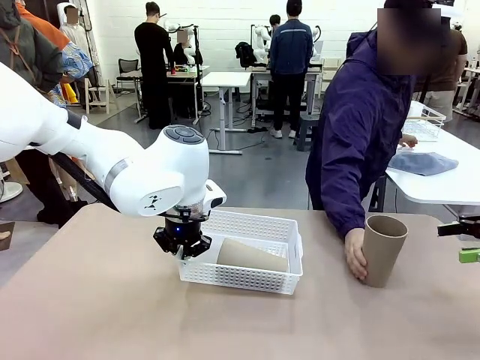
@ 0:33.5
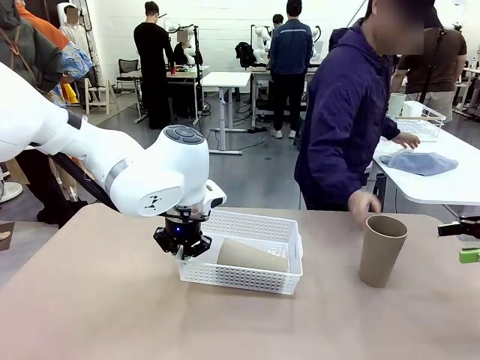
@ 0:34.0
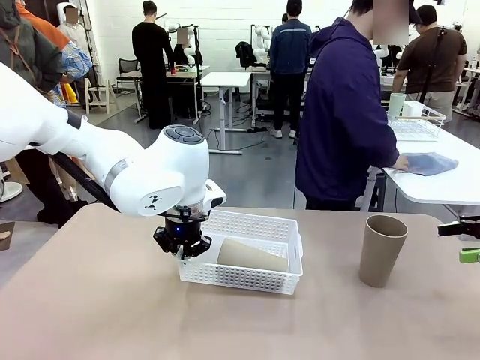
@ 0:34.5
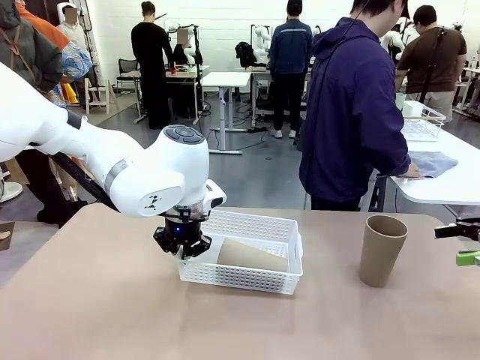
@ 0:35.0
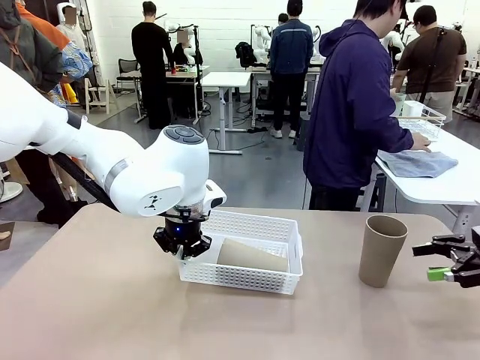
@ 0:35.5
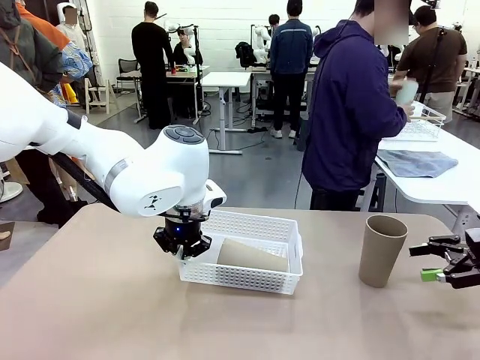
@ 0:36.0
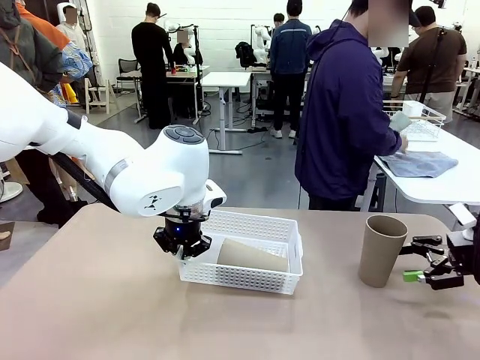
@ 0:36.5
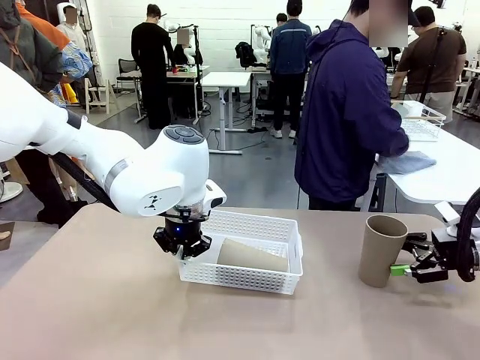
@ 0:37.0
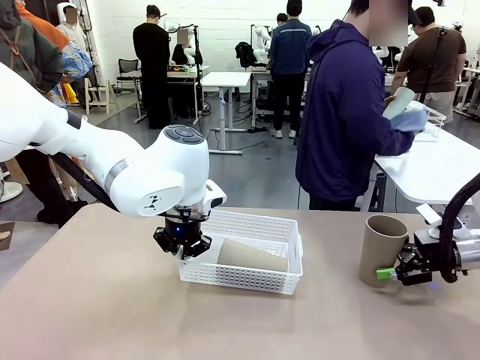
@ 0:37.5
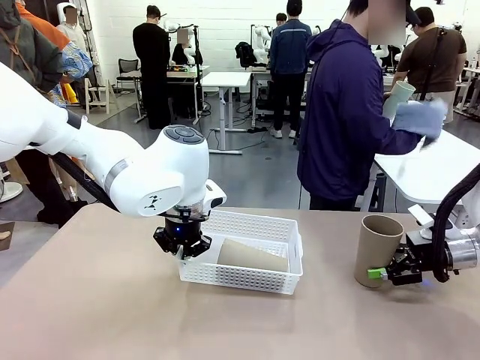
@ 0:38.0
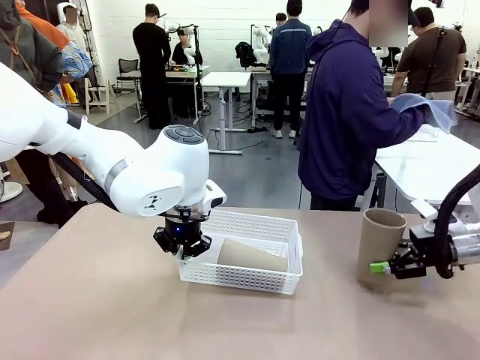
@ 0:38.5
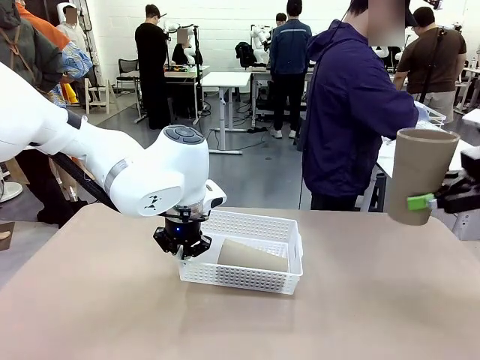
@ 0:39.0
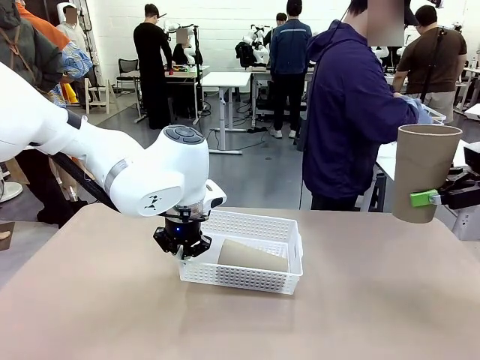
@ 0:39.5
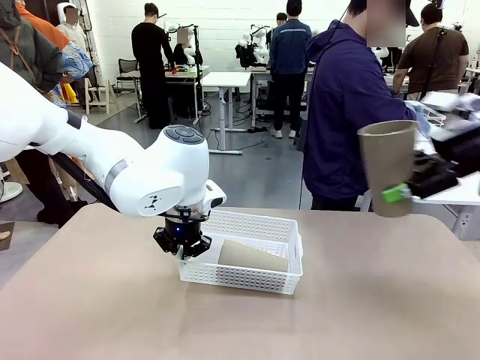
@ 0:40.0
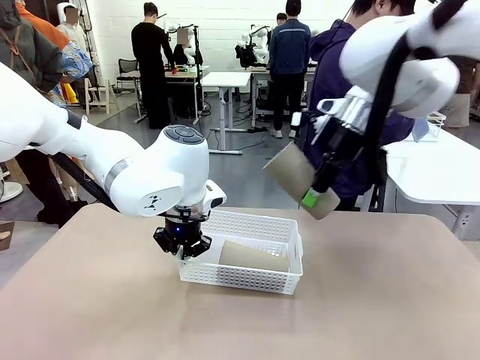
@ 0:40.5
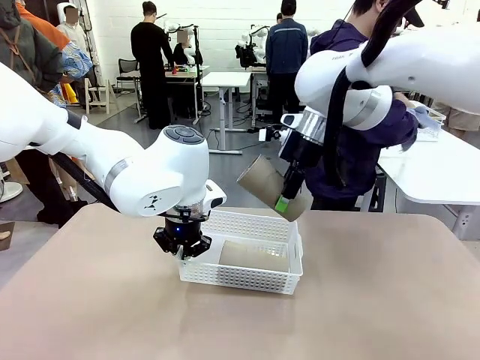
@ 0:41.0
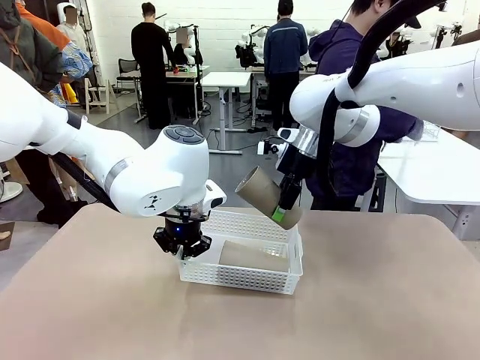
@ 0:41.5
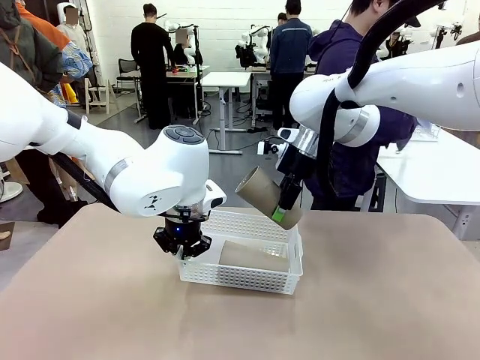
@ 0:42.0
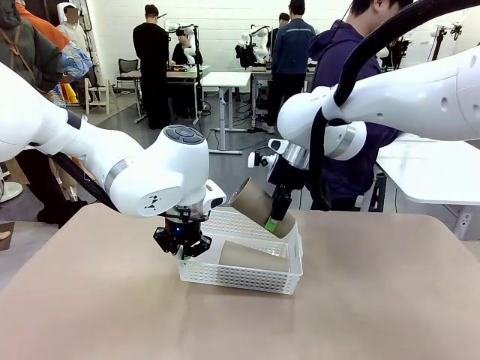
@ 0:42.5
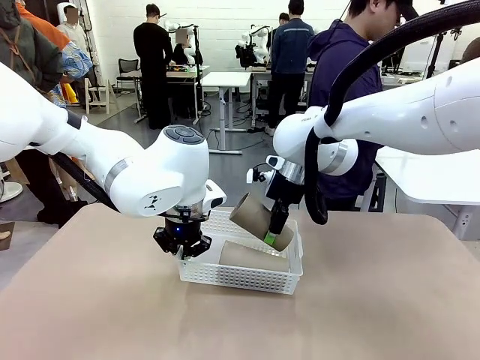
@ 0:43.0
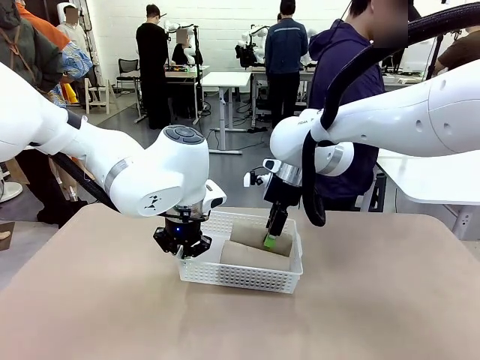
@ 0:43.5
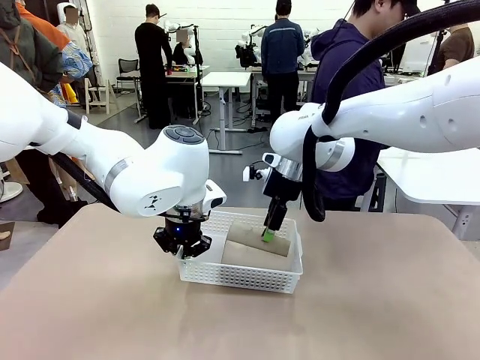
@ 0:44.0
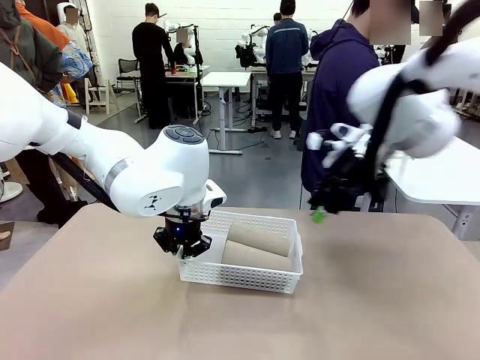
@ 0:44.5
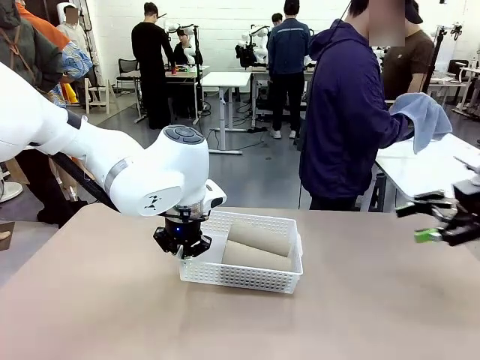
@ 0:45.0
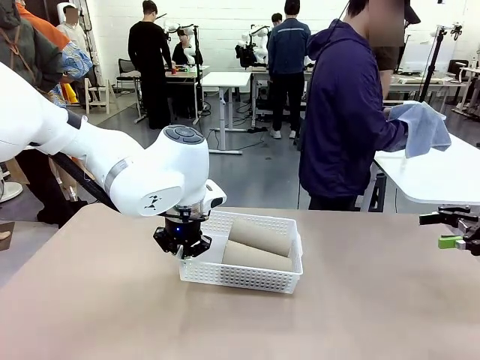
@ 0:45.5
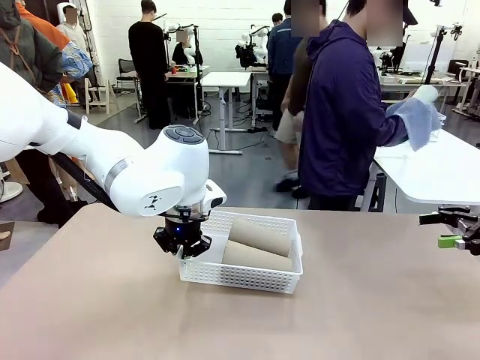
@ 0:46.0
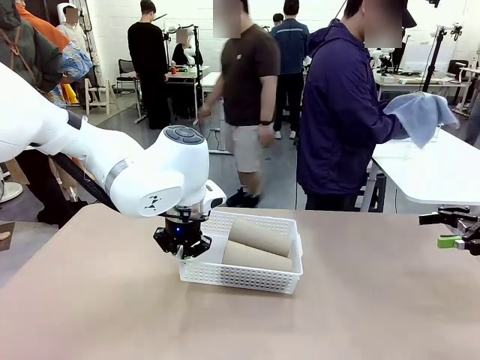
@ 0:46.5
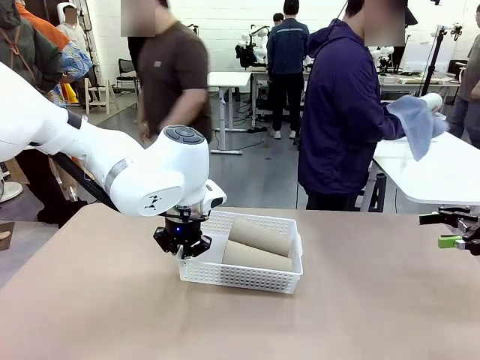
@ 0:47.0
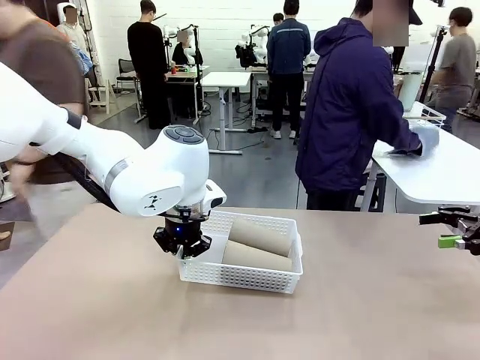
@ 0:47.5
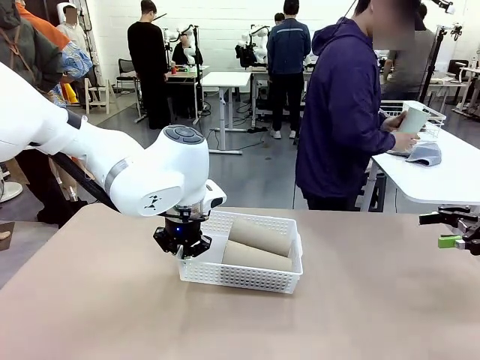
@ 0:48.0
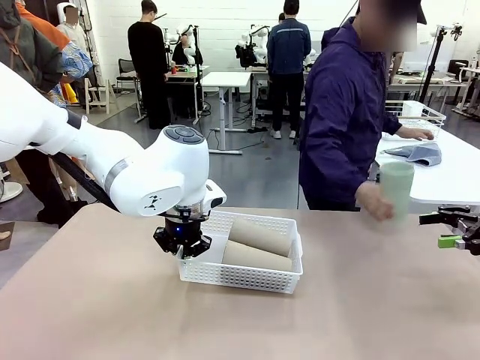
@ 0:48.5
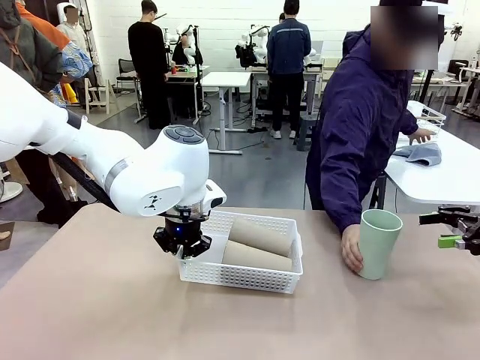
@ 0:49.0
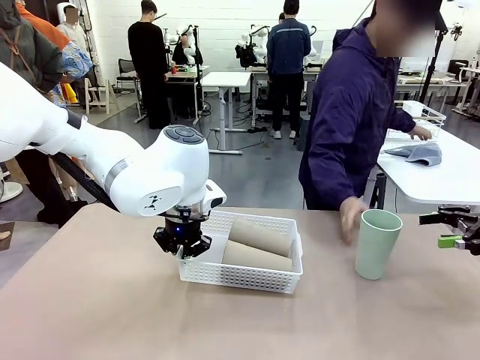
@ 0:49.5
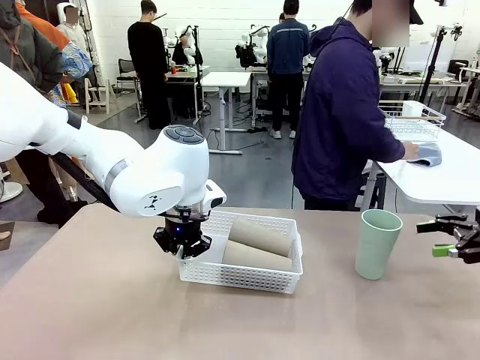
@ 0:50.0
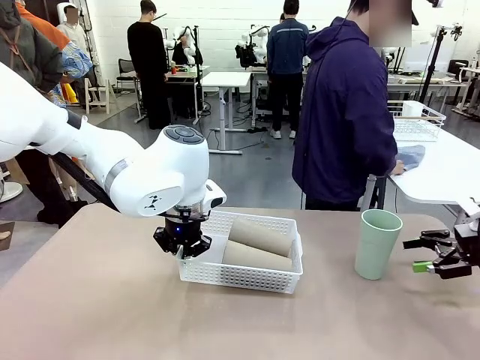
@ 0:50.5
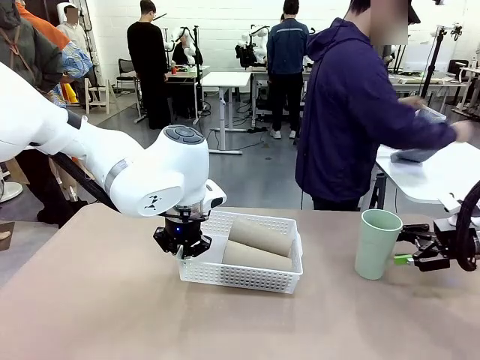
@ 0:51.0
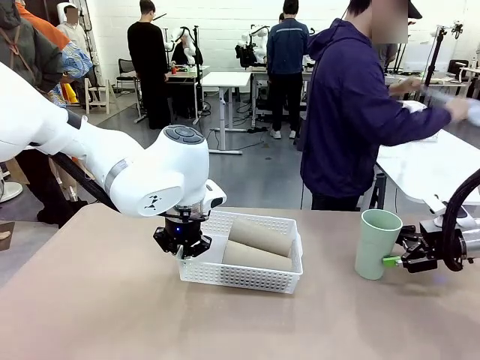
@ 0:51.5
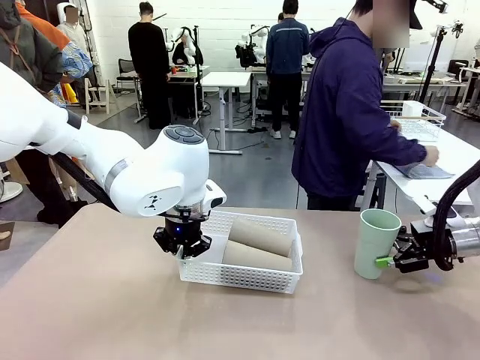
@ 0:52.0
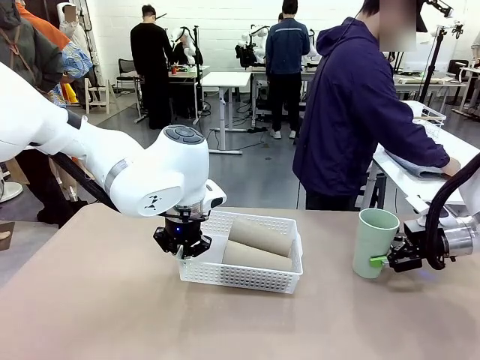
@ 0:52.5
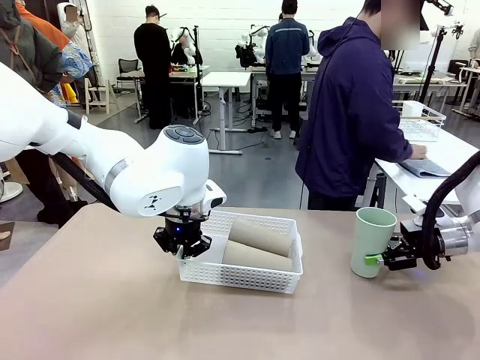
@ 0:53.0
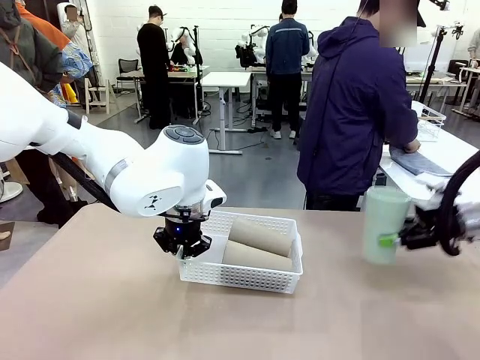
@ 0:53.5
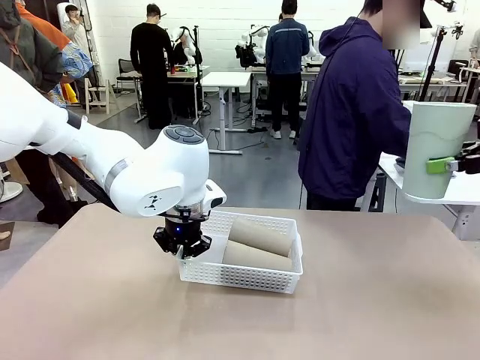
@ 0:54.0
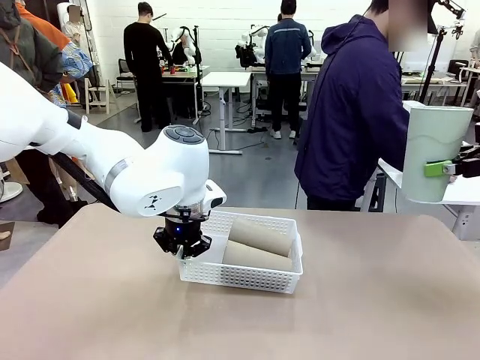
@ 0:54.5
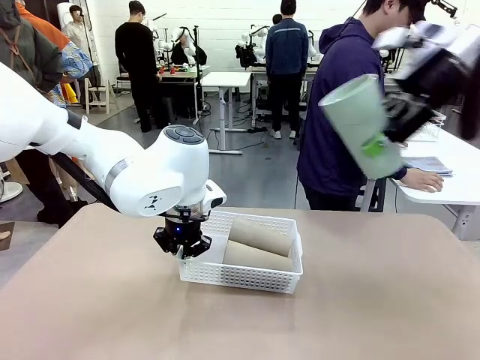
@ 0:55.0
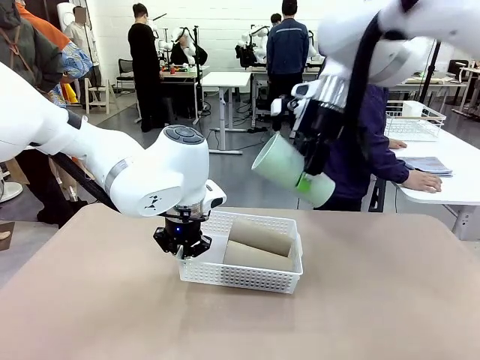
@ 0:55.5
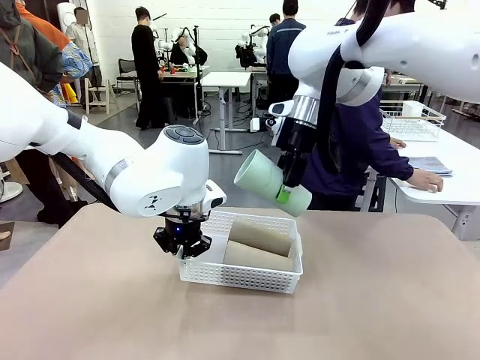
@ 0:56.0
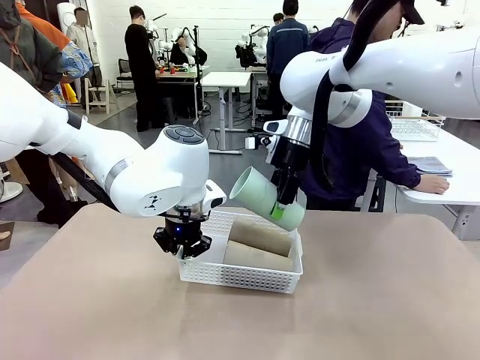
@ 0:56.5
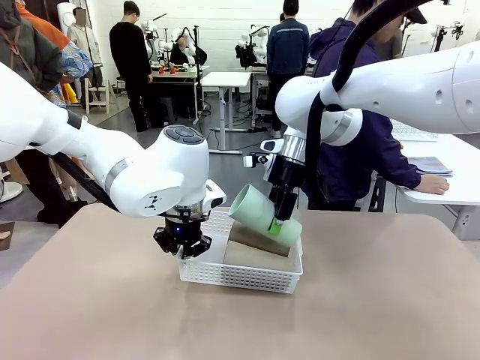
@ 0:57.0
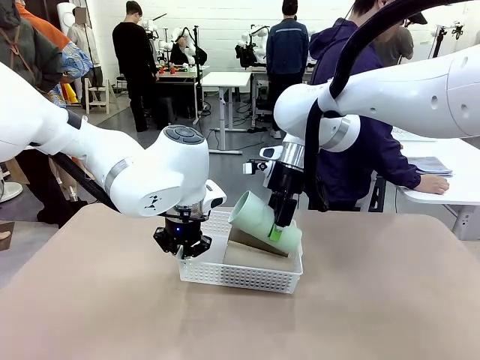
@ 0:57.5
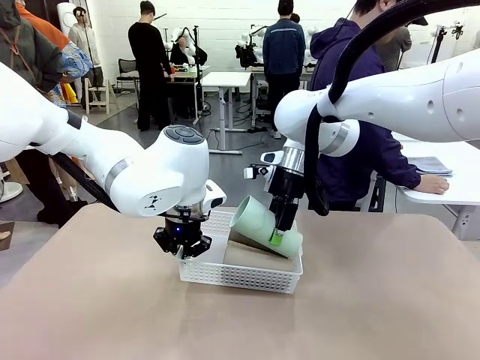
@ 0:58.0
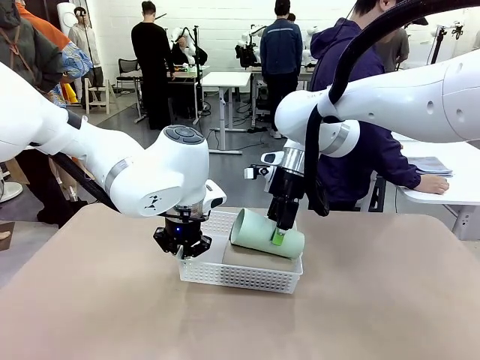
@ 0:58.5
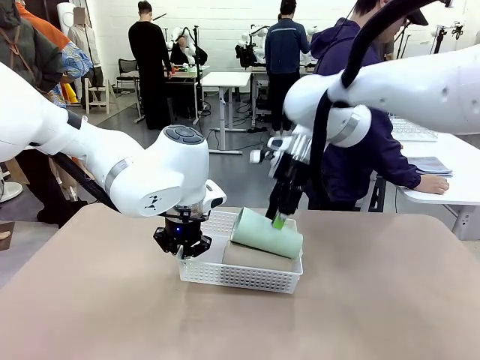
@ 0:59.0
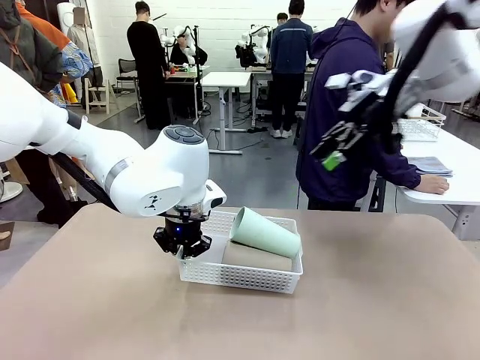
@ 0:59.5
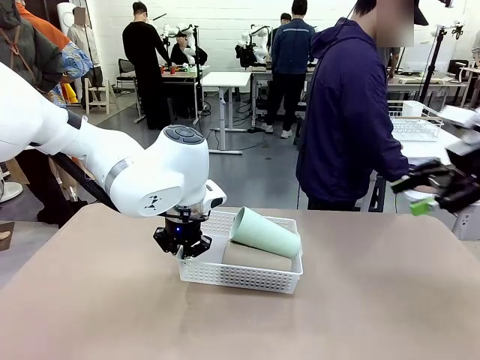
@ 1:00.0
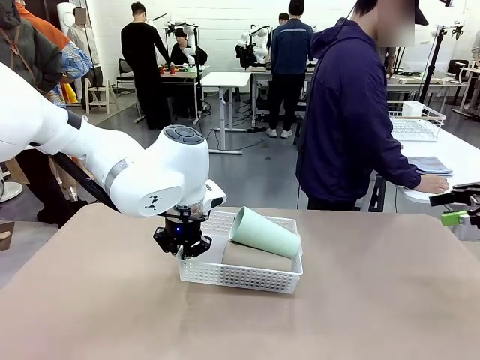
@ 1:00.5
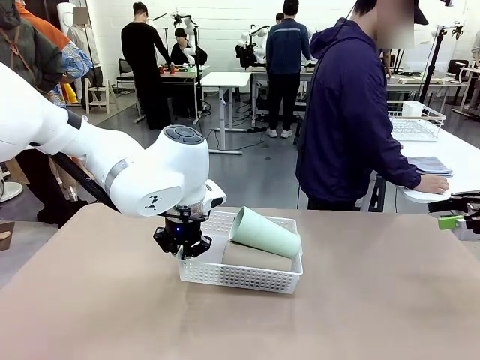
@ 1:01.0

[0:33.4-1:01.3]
Task: Clean and organize the cups into the basket.
Robot: Pick up the Reusable plastic cup from the right side of the table and stack it inside the Organizing basket in the center of the table.
Person: Folds the towel in half twice and places it in the right of the table.
